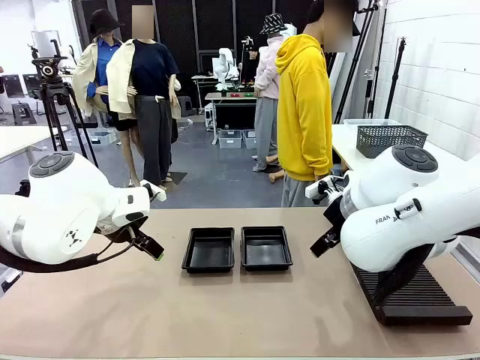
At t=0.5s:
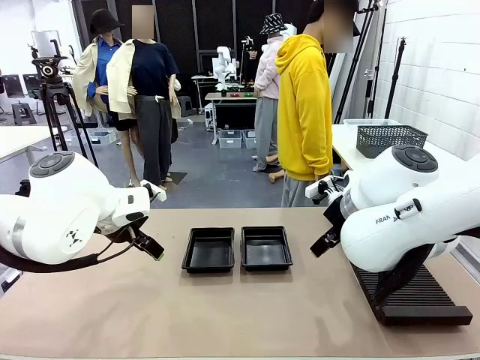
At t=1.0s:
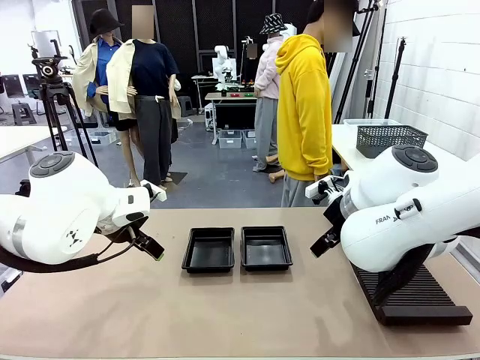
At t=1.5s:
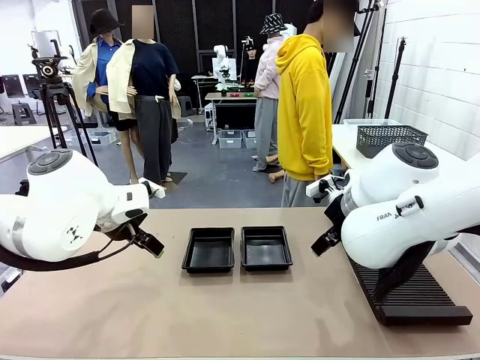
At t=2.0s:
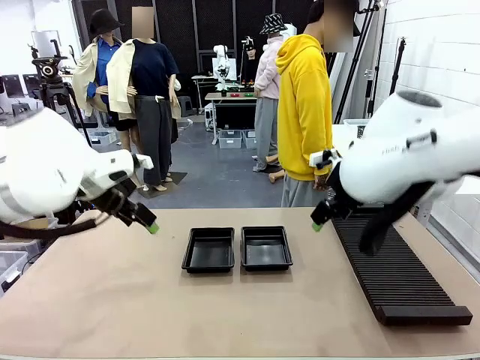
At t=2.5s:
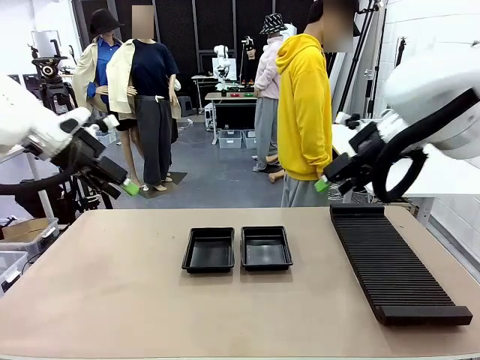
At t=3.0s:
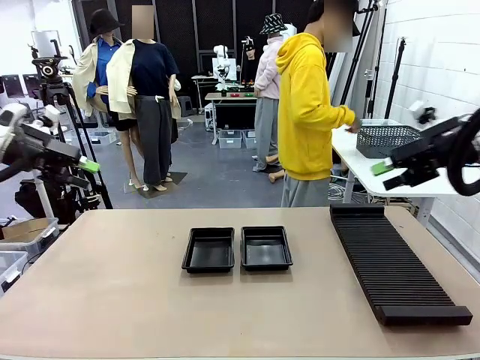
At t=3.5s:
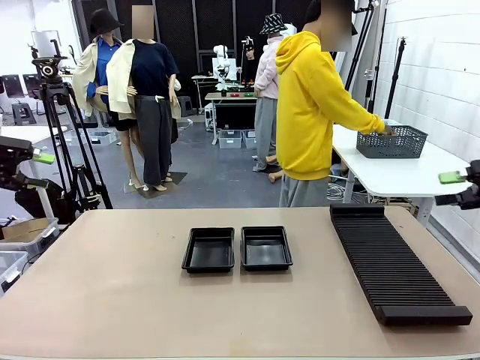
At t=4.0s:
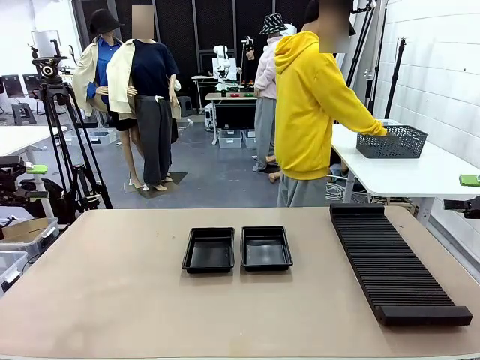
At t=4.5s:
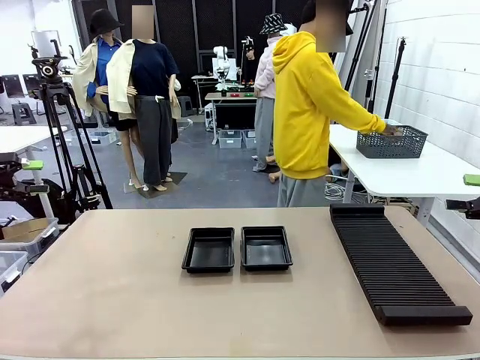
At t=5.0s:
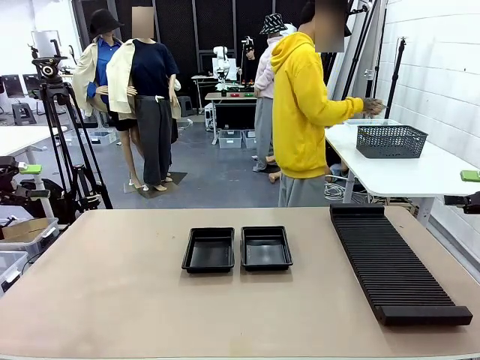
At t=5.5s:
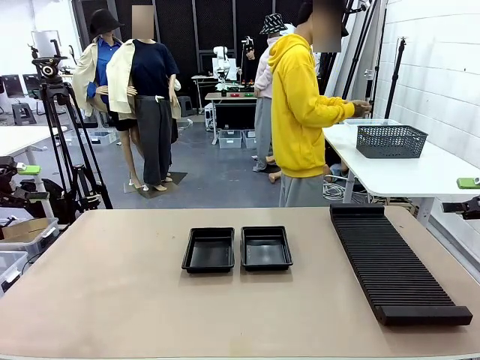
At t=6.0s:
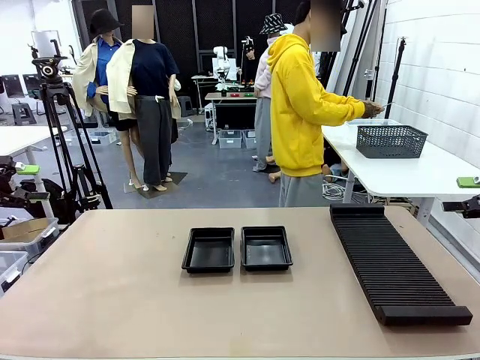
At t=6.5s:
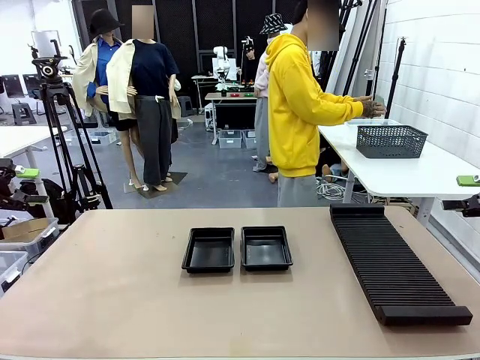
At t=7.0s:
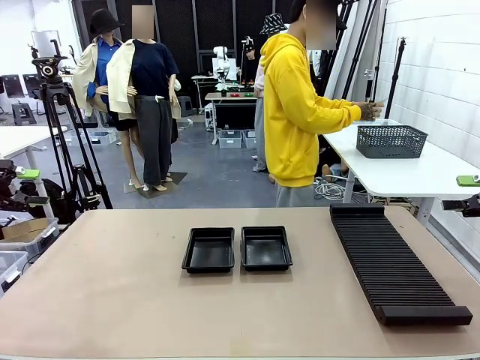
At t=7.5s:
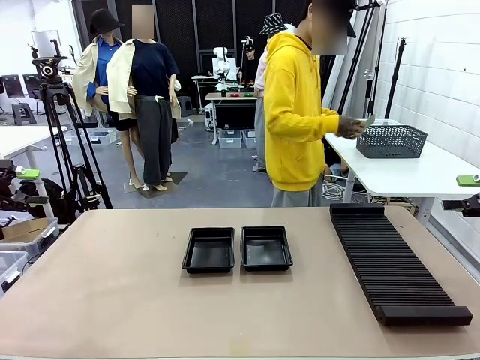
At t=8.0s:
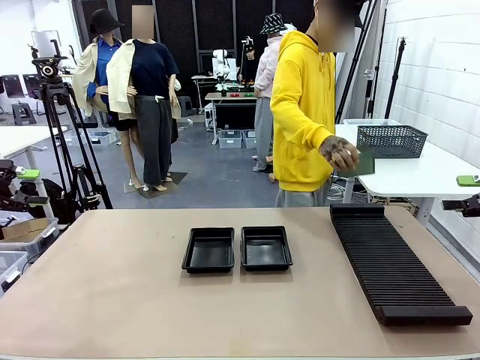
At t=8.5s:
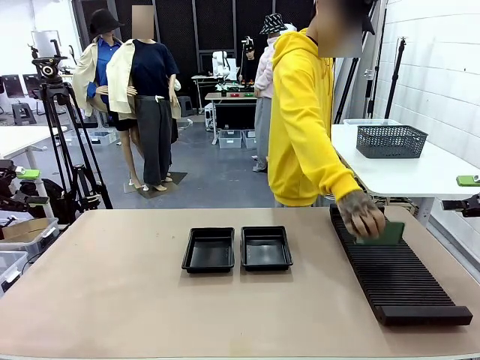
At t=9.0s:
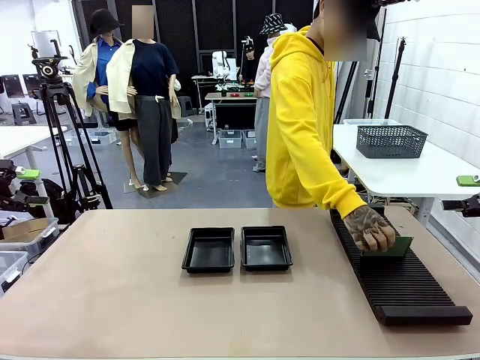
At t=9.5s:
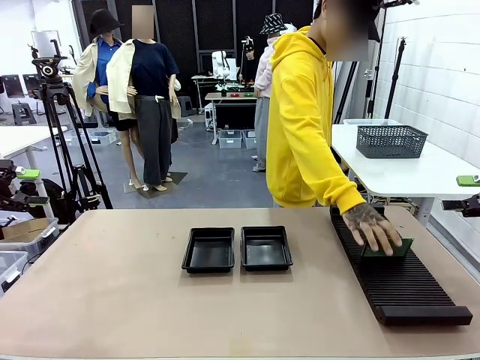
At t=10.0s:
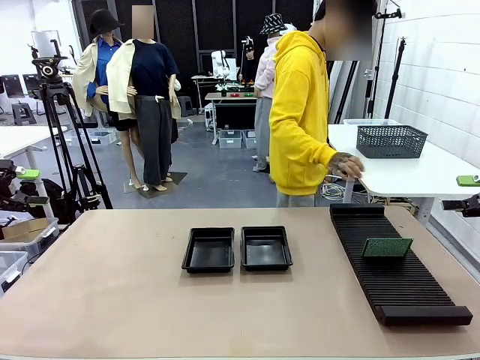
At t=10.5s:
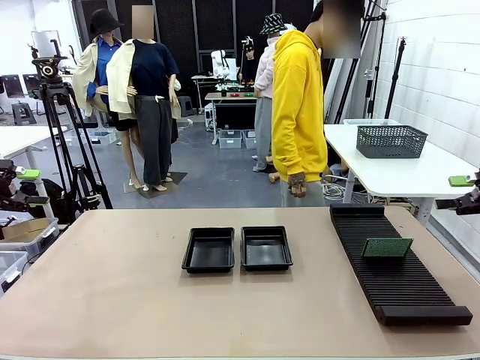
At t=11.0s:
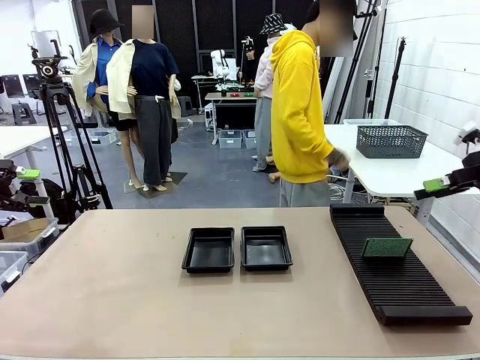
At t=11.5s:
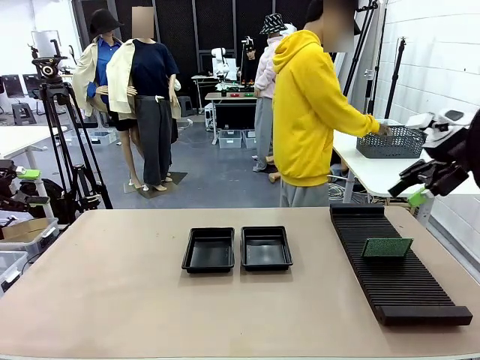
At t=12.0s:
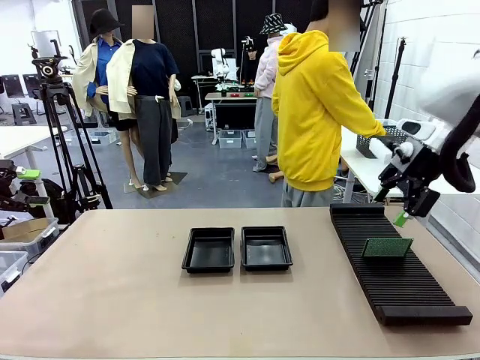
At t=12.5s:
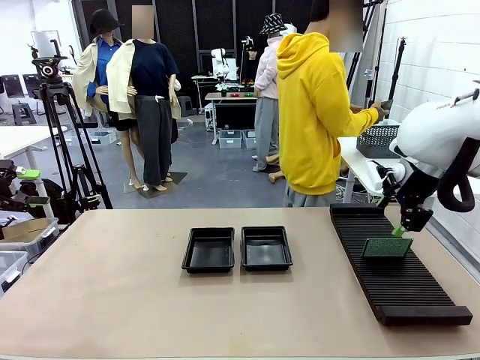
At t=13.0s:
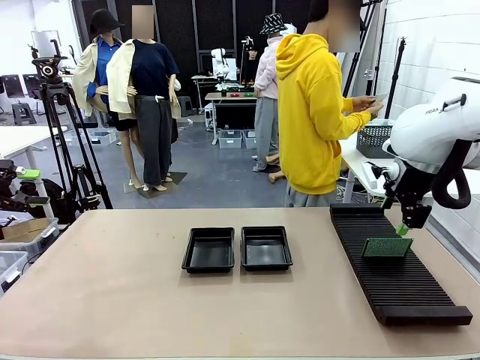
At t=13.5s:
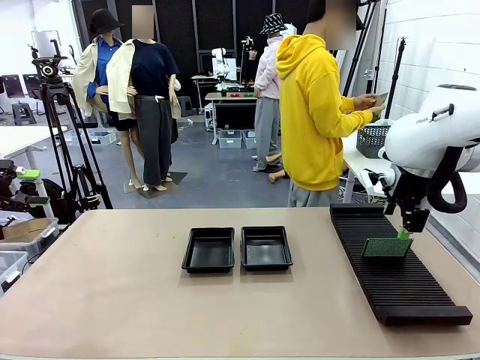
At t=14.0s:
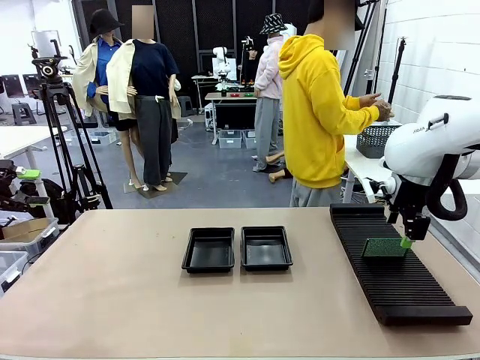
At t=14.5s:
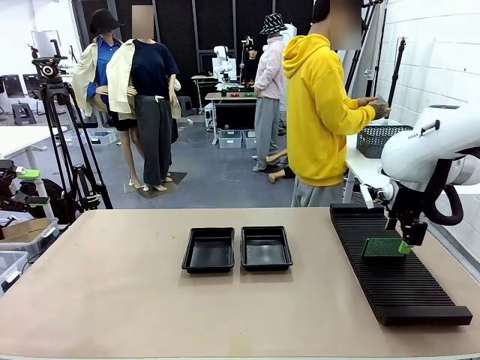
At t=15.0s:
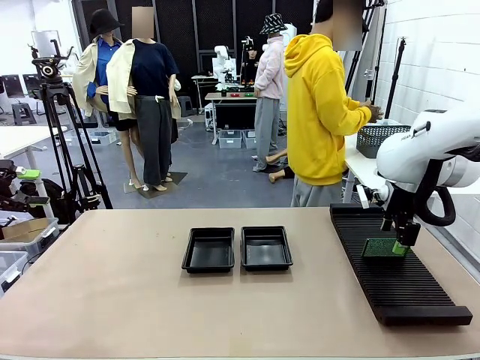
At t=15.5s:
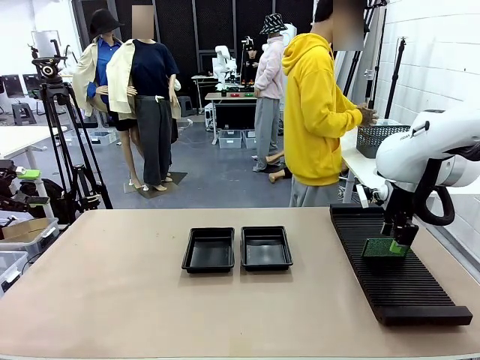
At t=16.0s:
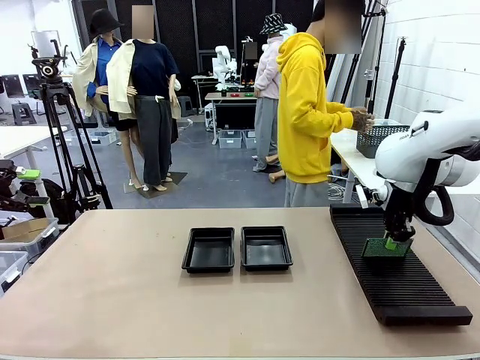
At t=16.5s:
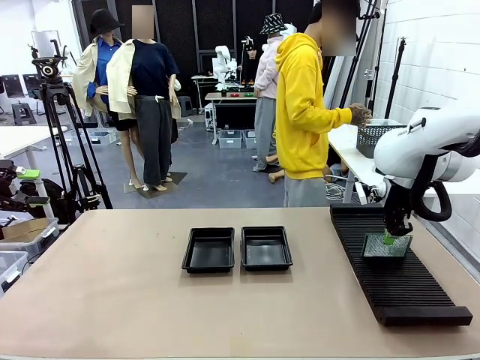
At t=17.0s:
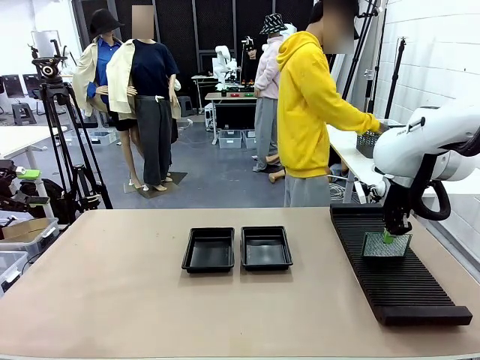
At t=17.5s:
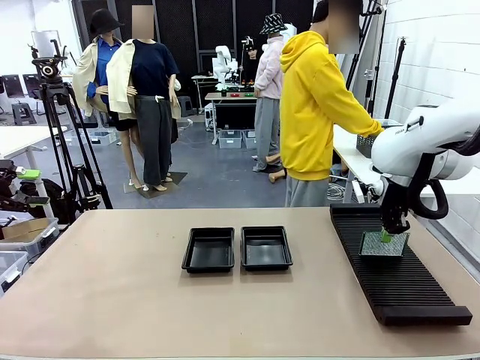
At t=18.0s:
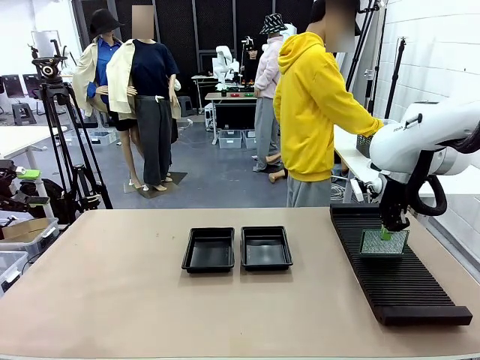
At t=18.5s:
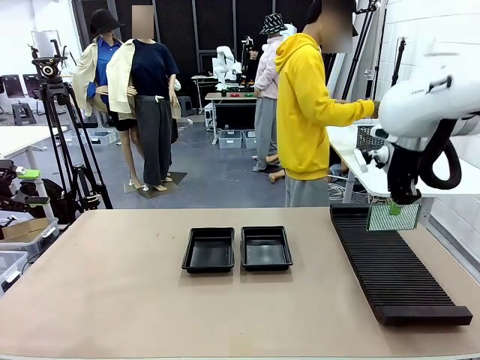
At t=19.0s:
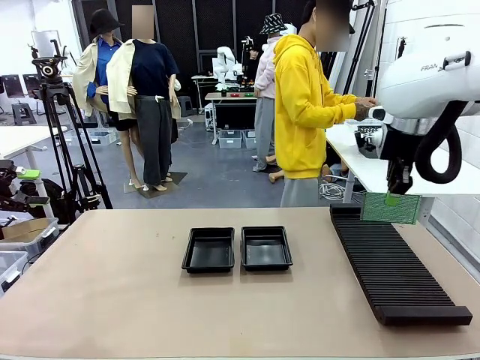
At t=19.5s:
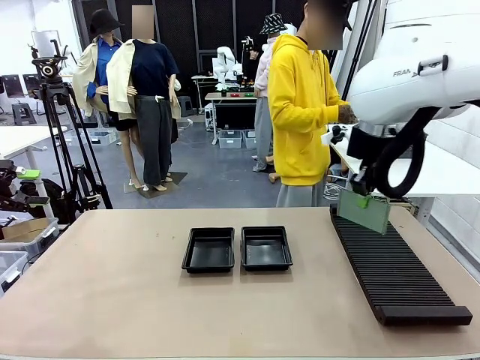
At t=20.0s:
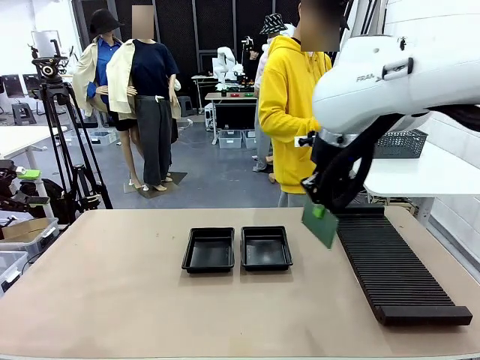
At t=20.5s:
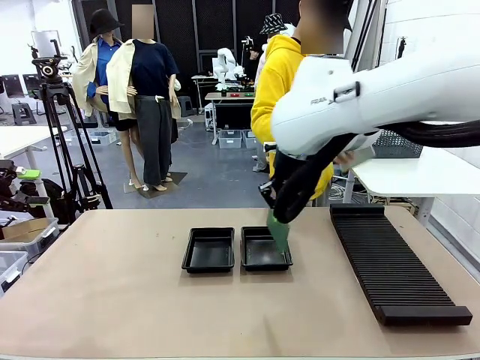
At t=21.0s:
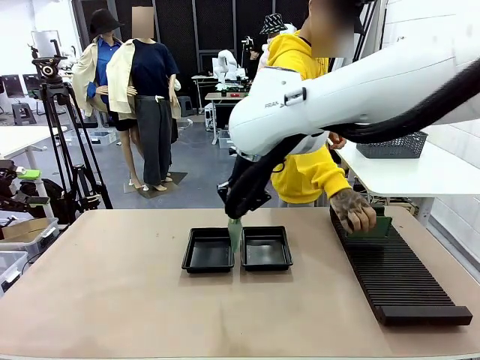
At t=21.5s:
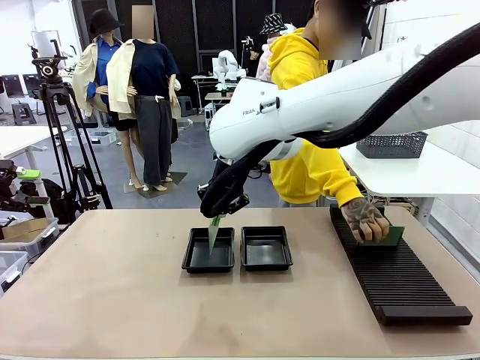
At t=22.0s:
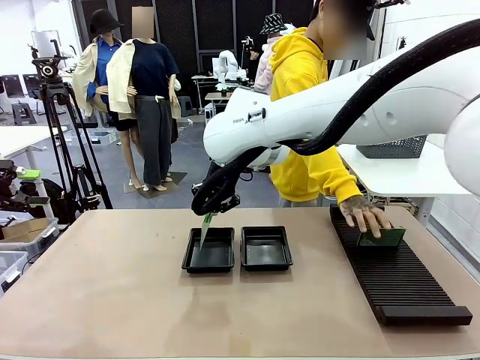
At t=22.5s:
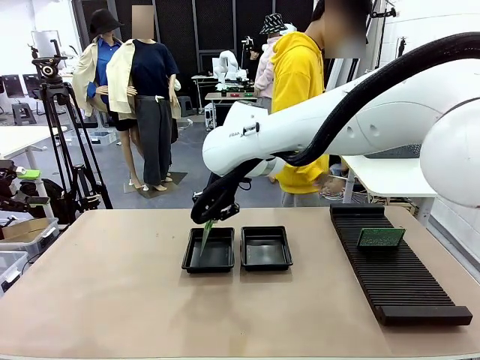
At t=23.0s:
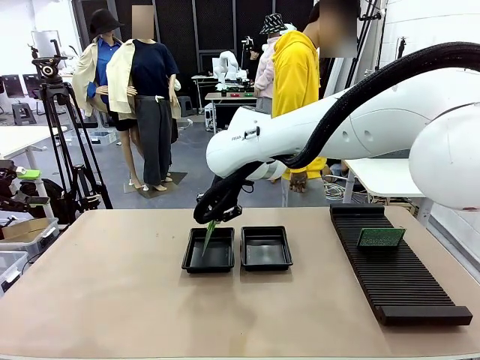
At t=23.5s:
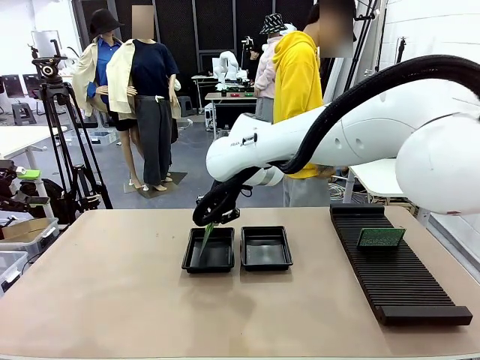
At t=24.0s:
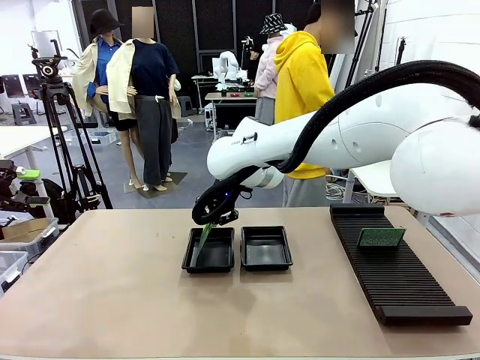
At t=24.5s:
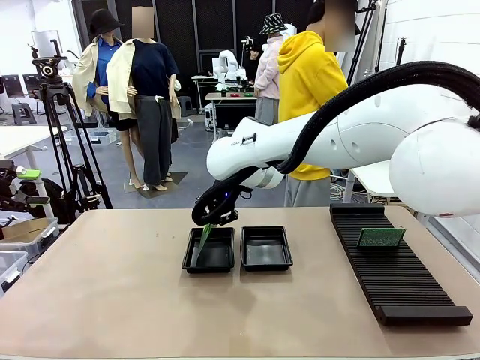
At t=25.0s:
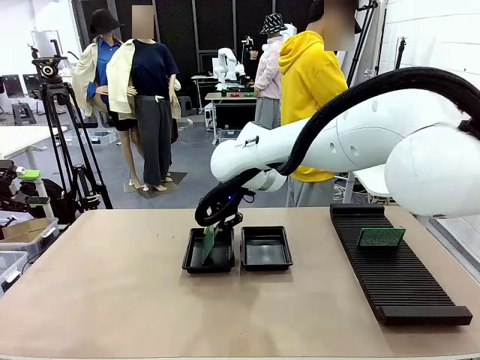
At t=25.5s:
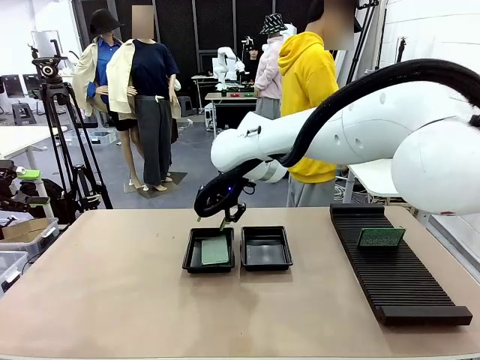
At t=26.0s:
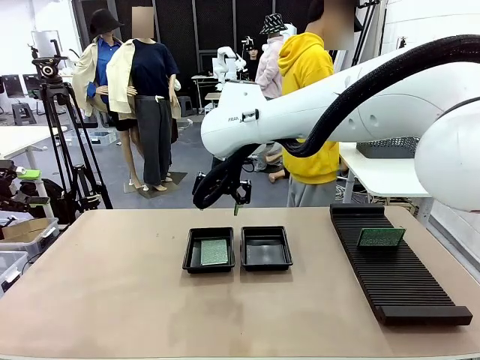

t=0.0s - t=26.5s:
Task: Inspect and transfer BCBs to ESD trays.
Robot: Pick up the Blank PCB from the PCB Rack and place it in the left ESD tray.
